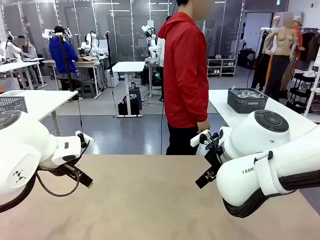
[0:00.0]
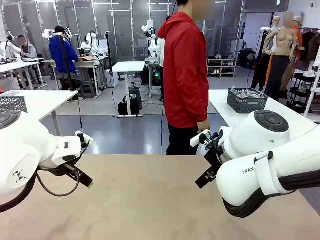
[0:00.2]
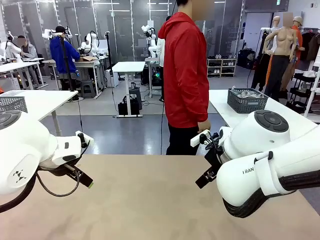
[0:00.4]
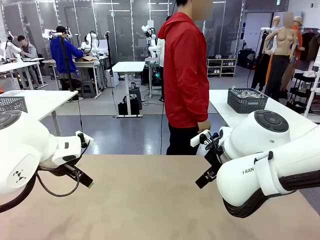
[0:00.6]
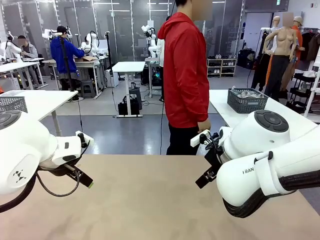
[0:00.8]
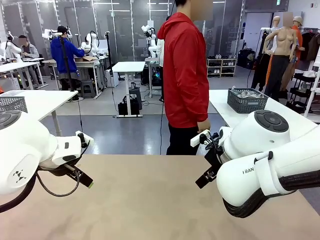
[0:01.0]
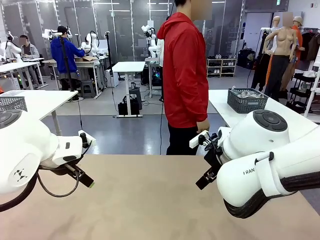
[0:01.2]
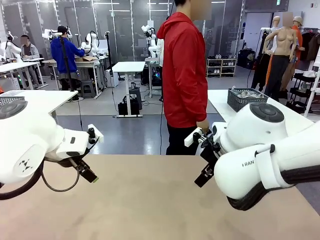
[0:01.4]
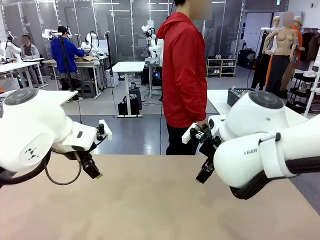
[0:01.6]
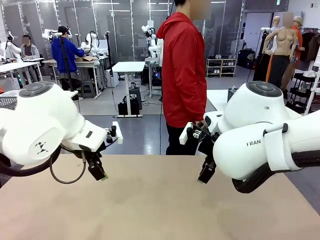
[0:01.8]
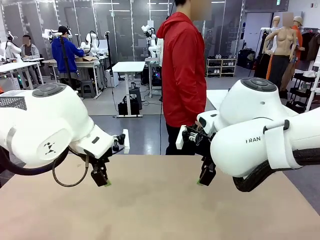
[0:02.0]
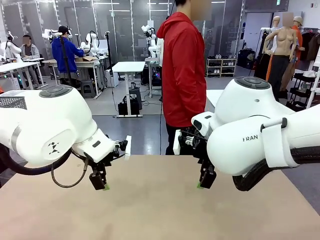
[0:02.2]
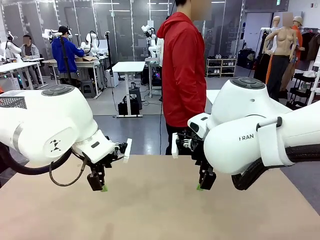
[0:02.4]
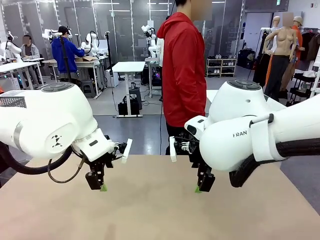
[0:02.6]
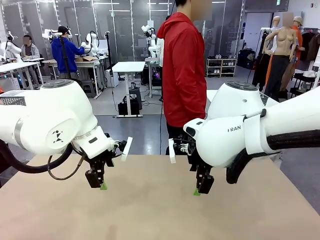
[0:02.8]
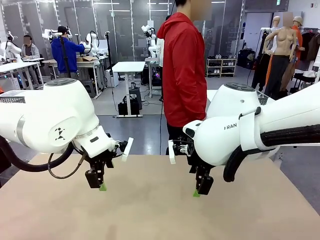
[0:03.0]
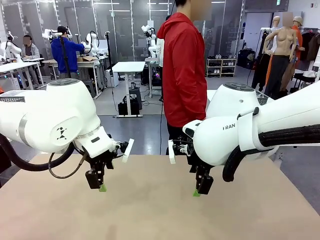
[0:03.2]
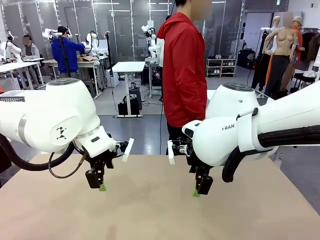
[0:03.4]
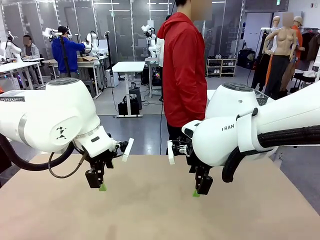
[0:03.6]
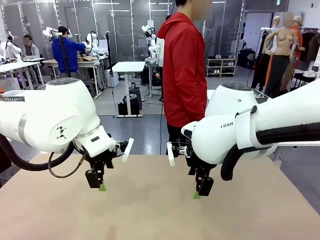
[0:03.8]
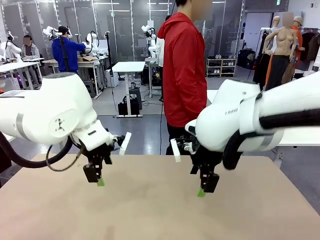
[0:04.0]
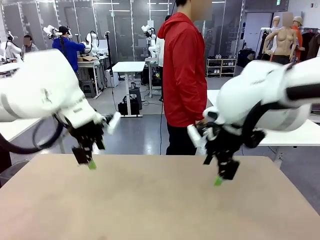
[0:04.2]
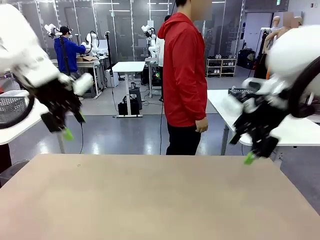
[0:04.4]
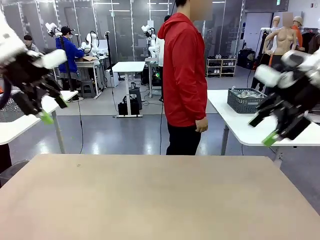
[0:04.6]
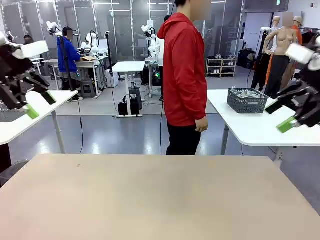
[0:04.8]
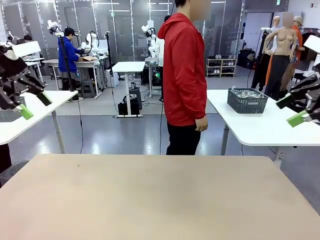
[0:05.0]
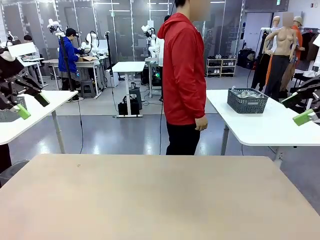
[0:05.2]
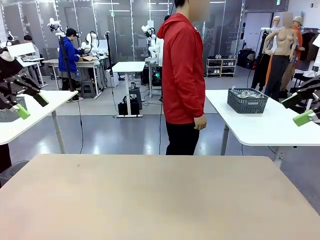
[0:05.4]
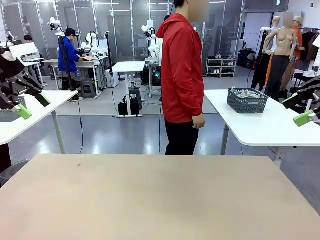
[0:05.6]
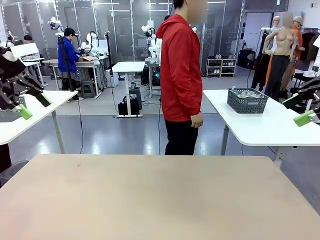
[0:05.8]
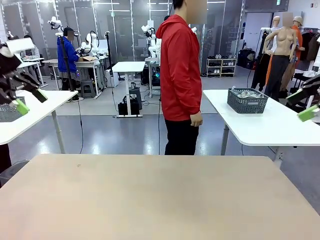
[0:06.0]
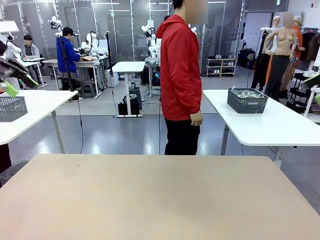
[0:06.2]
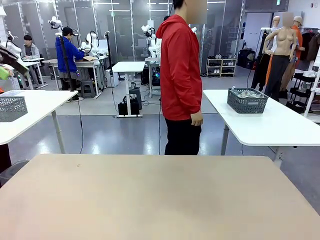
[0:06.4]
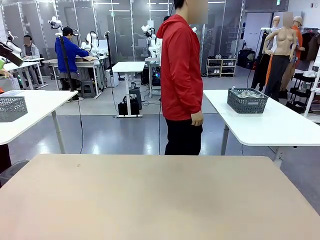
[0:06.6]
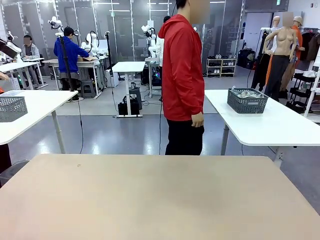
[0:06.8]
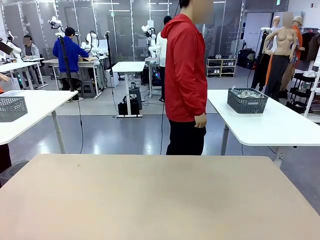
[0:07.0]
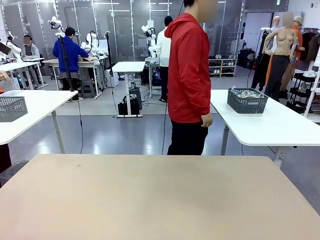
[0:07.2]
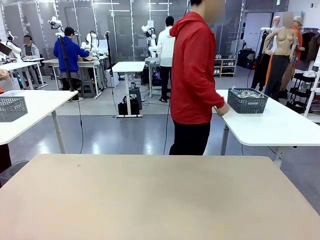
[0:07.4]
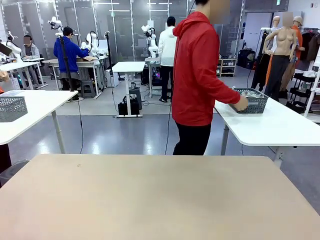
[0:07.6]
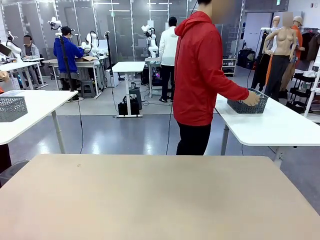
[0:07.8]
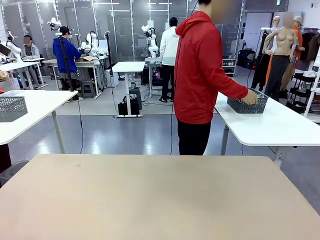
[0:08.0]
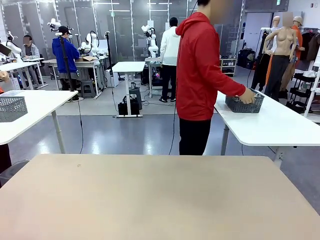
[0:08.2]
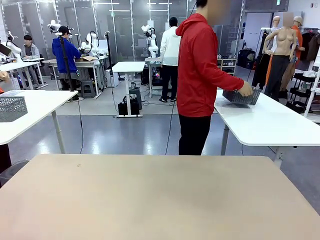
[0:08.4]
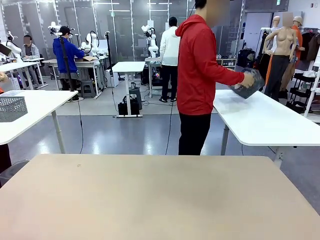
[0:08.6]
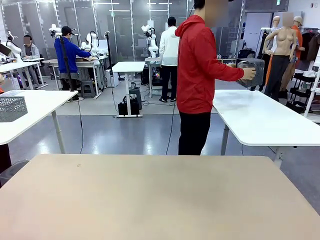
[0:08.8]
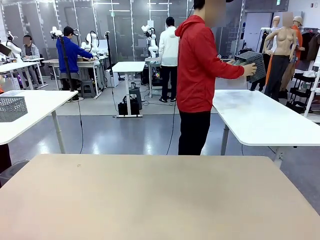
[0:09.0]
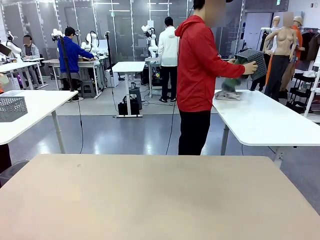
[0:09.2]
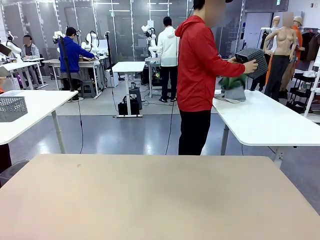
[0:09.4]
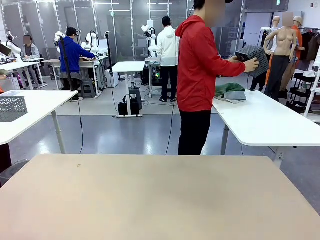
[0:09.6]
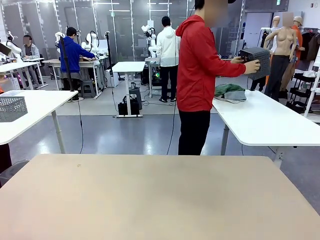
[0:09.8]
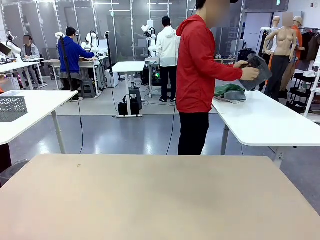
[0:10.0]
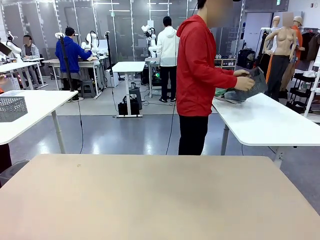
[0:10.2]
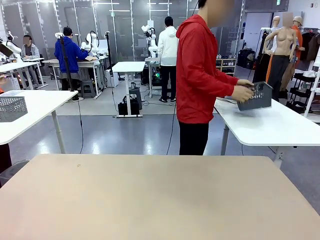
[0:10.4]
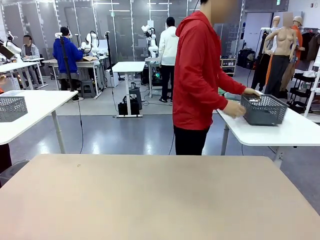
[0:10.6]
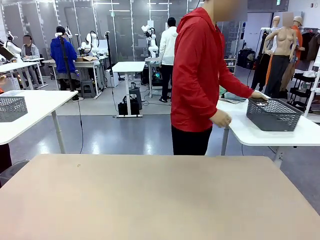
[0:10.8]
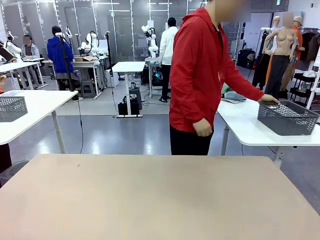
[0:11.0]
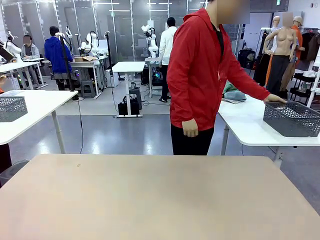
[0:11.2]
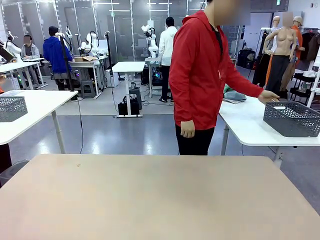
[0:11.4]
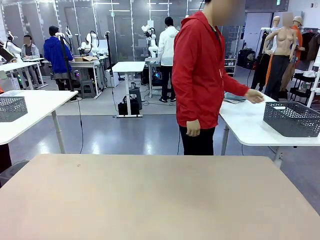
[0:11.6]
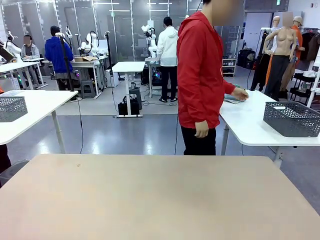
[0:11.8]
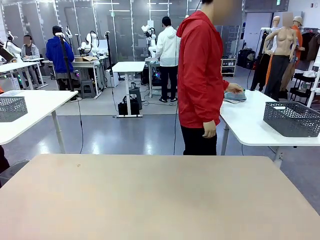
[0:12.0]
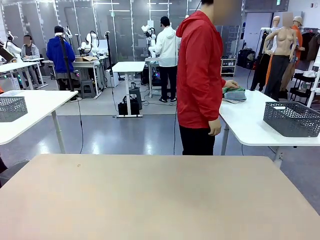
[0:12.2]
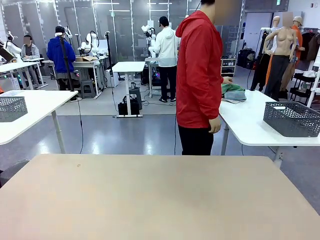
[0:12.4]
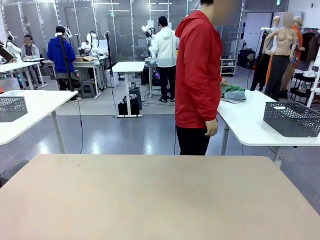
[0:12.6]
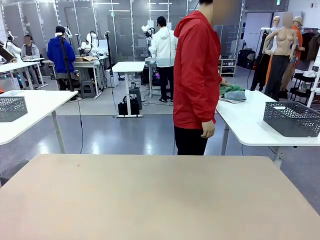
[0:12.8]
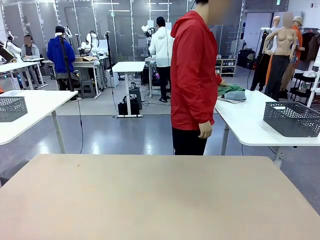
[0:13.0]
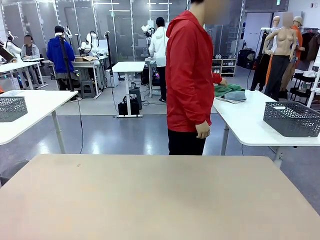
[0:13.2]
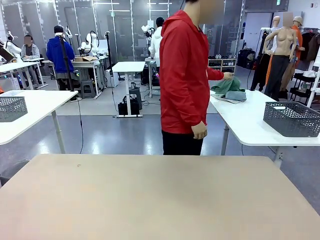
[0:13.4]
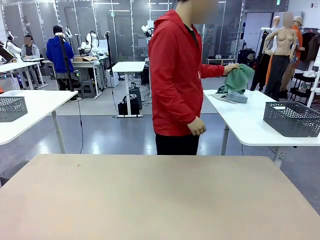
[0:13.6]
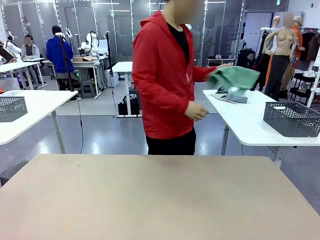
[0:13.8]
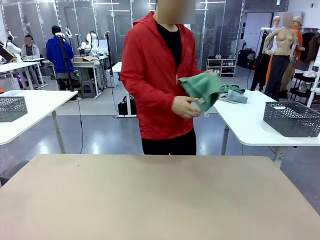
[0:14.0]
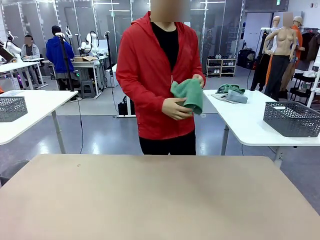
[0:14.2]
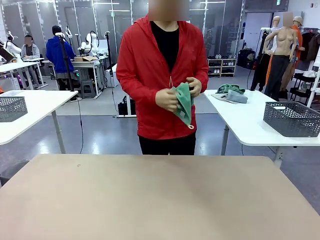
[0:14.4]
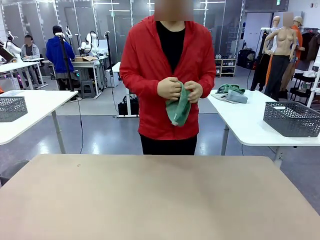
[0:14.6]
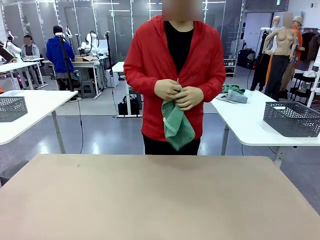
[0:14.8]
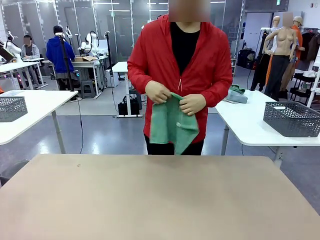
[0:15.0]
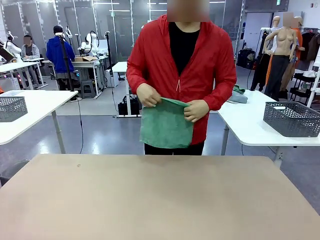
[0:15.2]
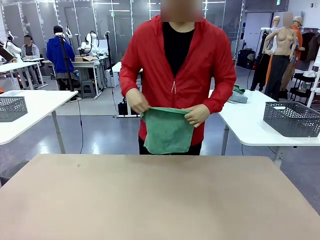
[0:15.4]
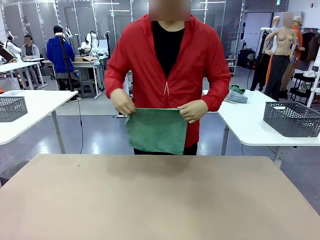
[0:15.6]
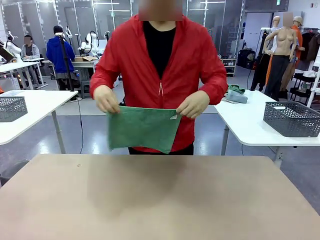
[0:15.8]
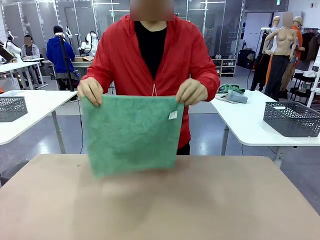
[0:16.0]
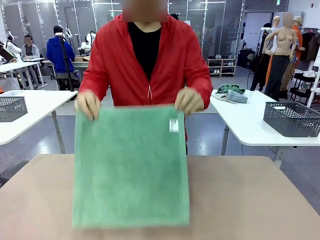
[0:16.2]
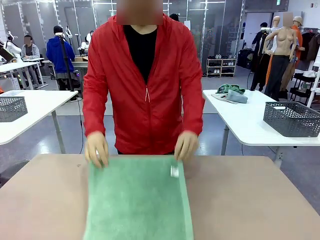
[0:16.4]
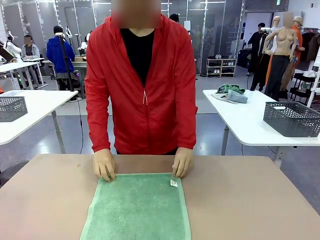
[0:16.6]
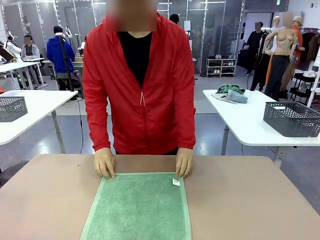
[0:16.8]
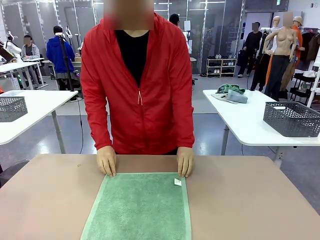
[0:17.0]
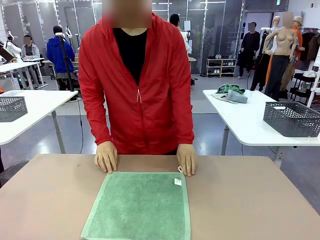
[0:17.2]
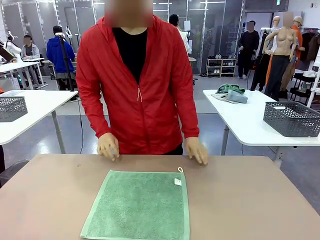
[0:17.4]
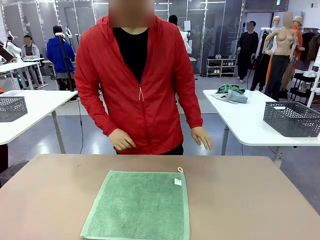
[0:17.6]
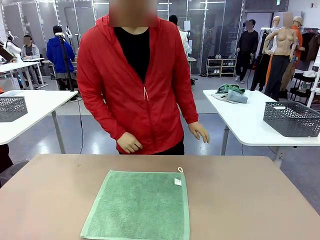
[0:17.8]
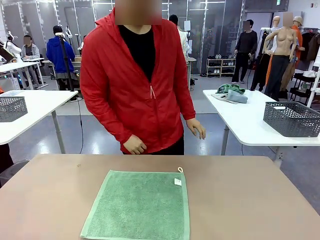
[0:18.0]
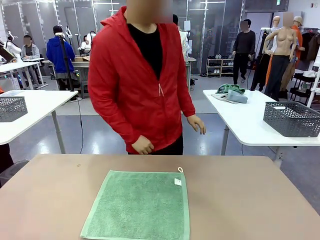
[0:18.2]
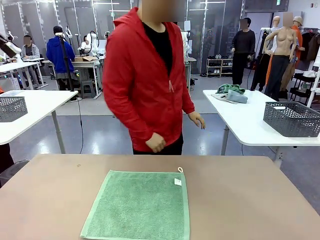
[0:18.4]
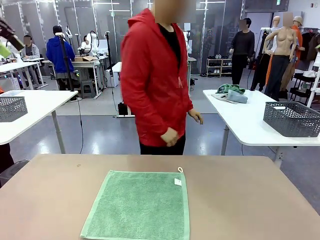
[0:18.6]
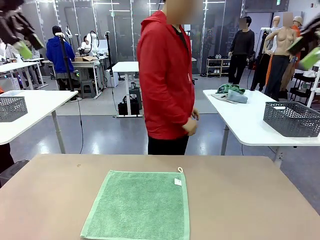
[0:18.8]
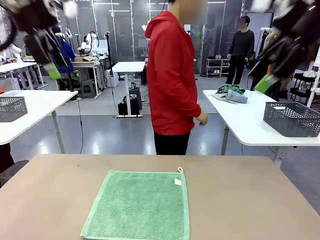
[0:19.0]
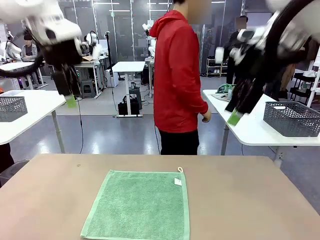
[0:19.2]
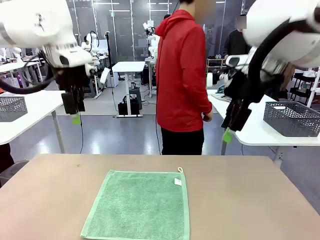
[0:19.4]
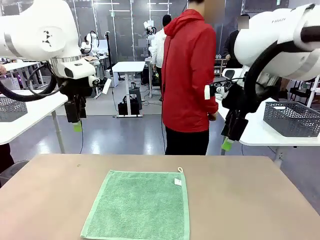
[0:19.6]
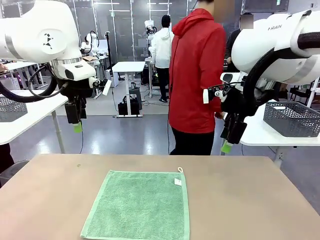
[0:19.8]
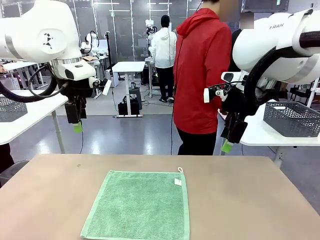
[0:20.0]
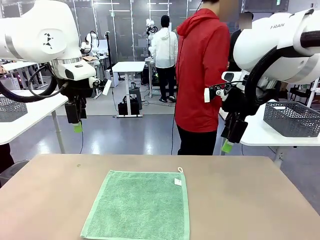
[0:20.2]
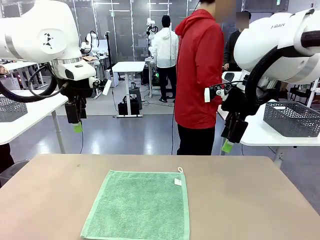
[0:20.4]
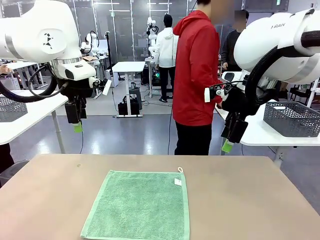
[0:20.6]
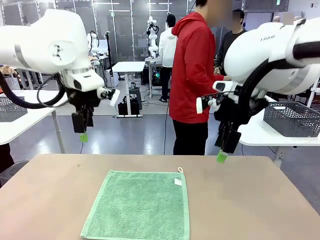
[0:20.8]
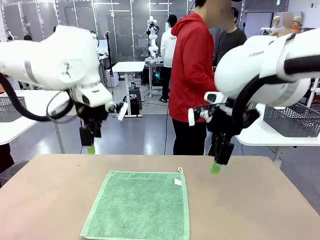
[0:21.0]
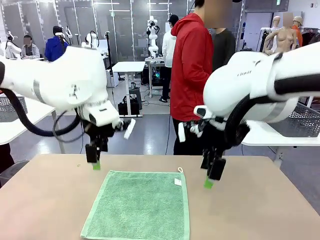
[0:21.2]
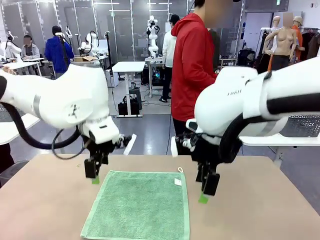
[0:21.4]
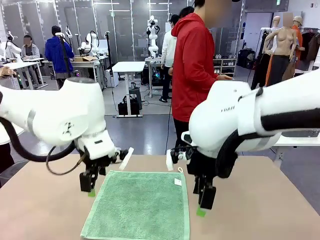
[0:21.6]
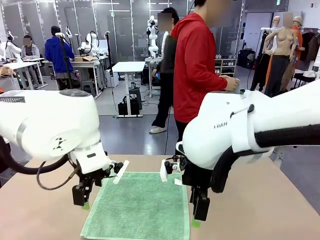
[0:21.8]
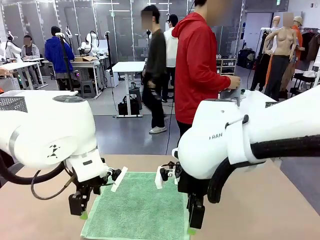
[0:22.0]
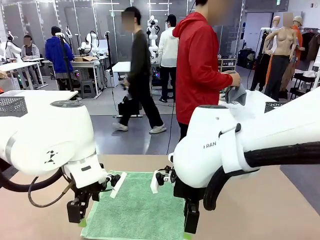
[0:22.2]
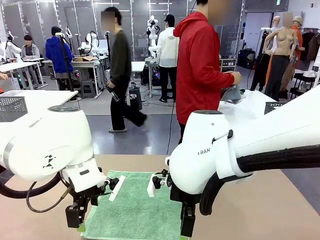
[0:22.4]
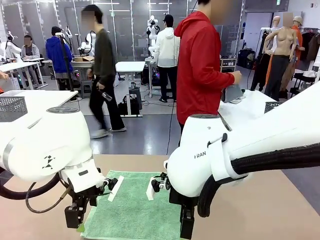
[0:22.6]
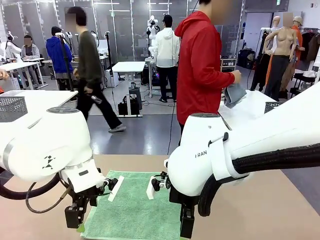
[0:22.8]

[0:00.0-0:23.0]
Task: Fold the towels and place them in the basket.
Robot: When a person lays out a Towel with hook on the table, fold it in half twice.
Person: Pick up the basket, pour the towels onto the left side of the human table, and place the basket on the right side. Pick up one towel and spread it out at the center of the robot table.
